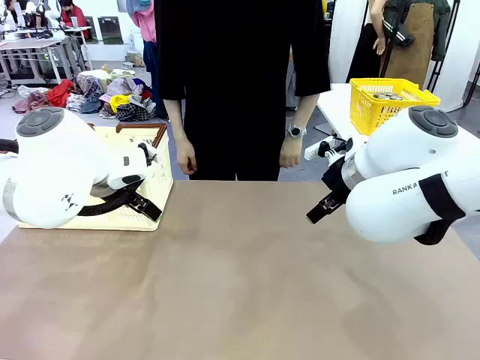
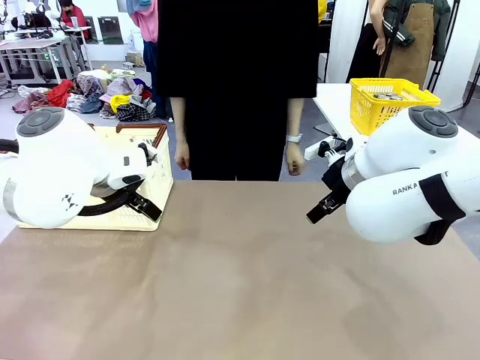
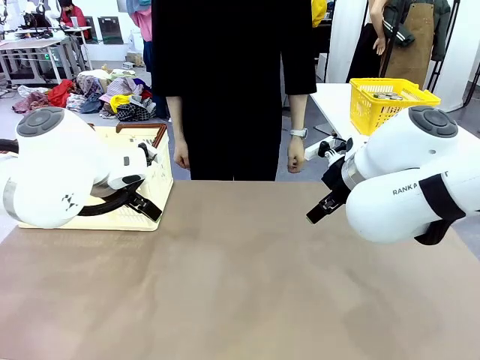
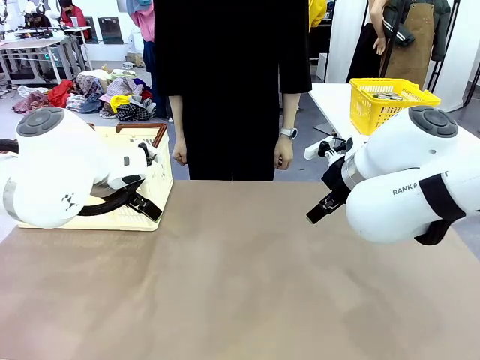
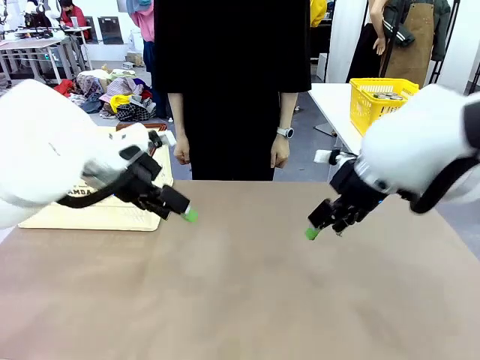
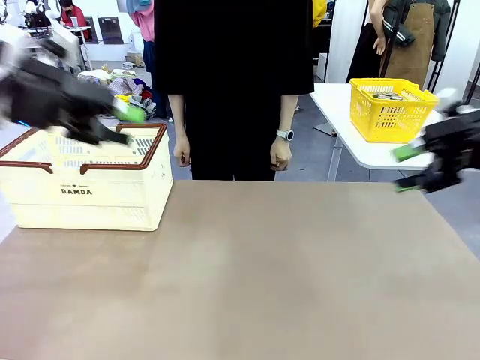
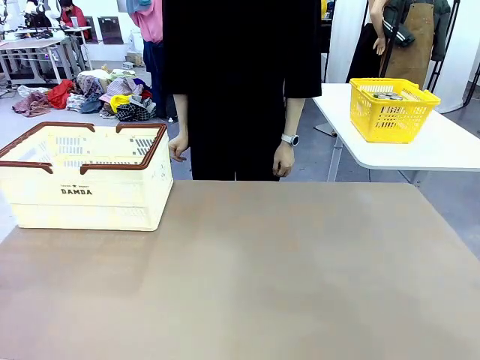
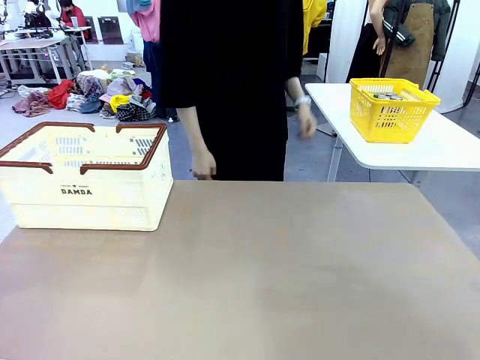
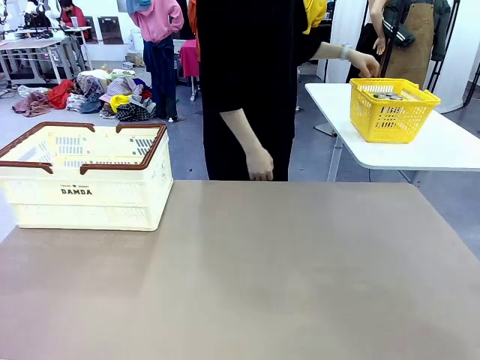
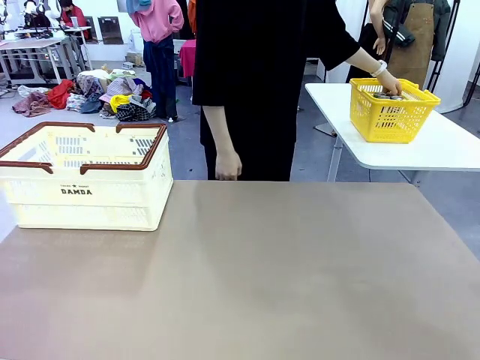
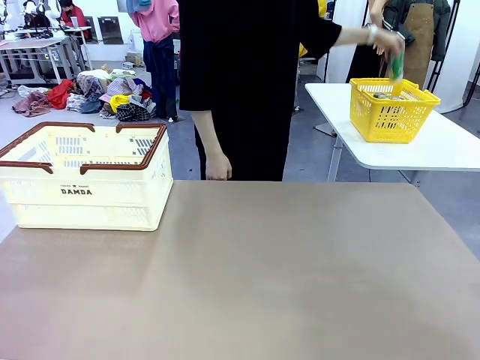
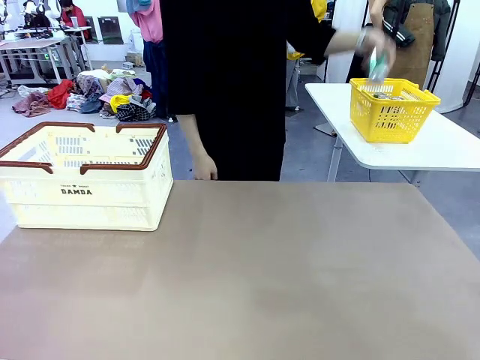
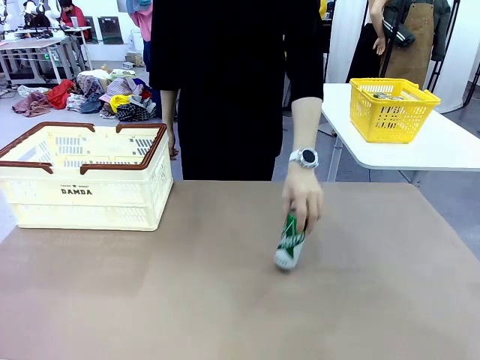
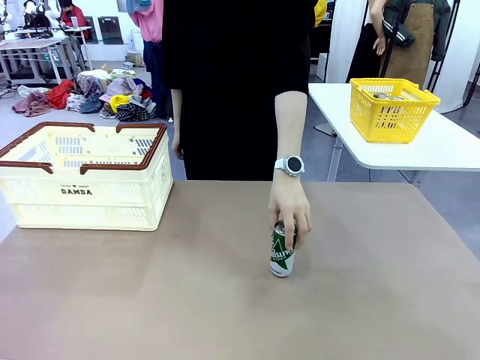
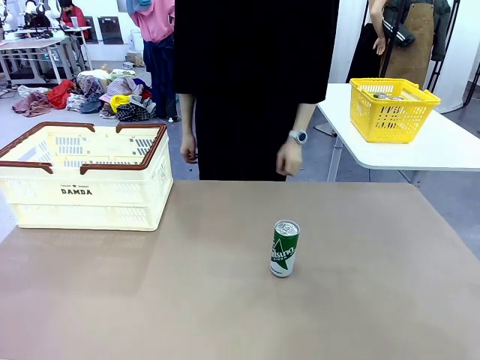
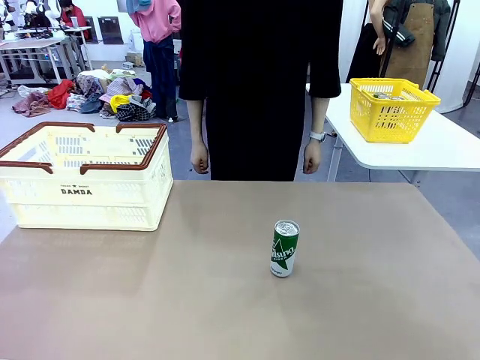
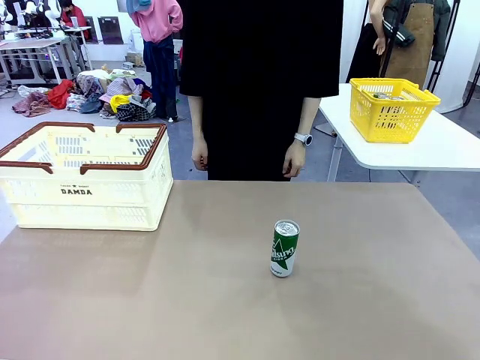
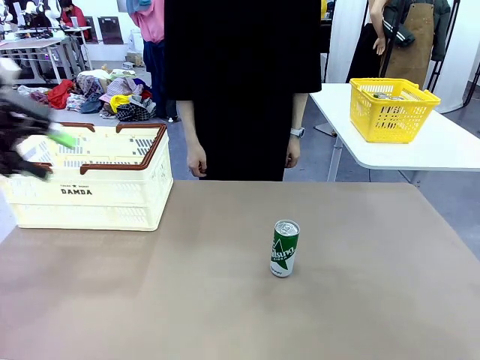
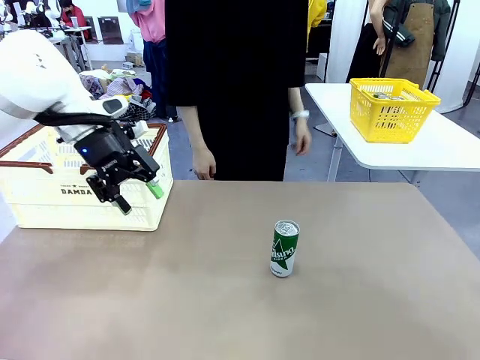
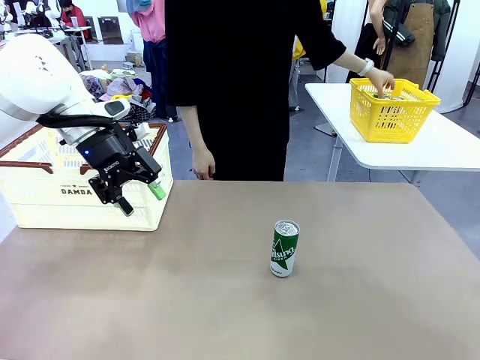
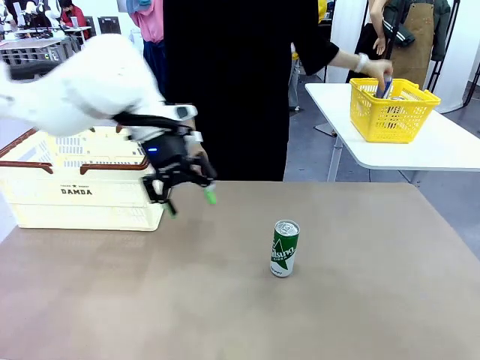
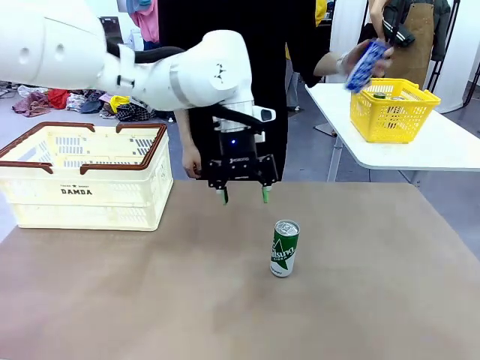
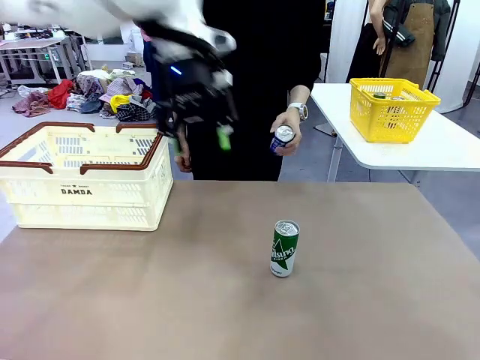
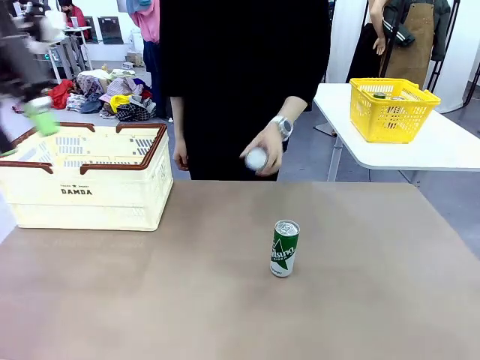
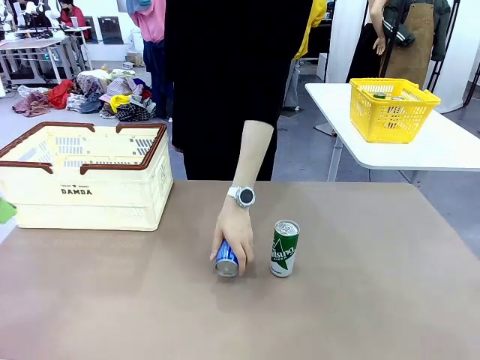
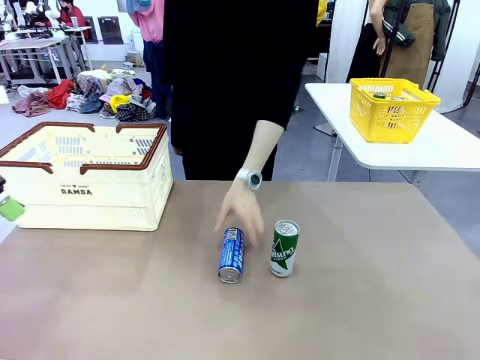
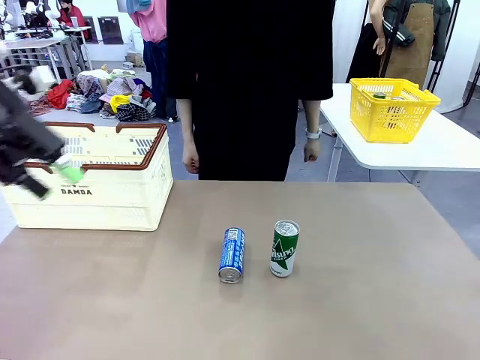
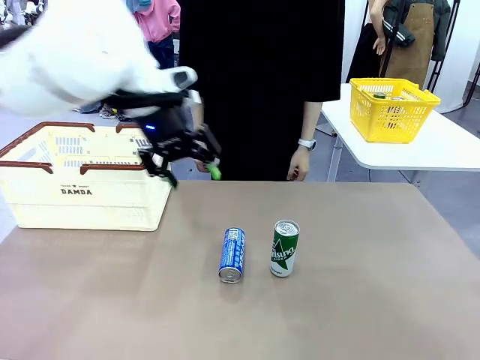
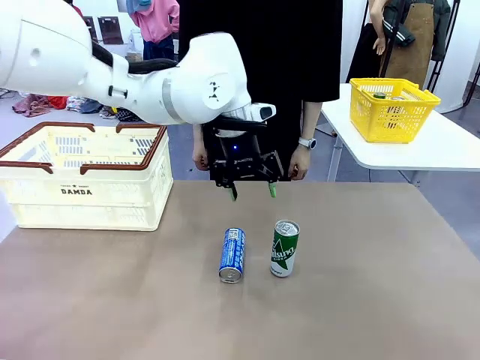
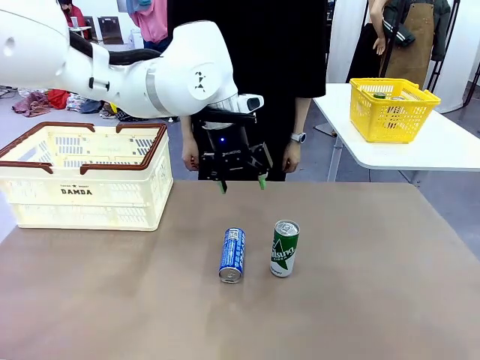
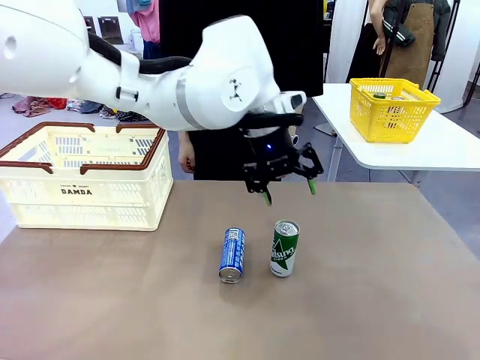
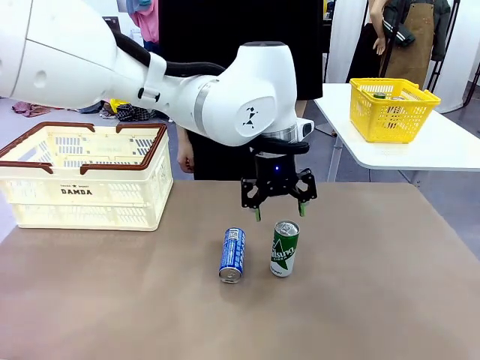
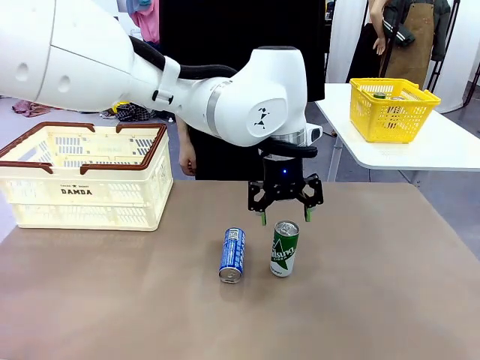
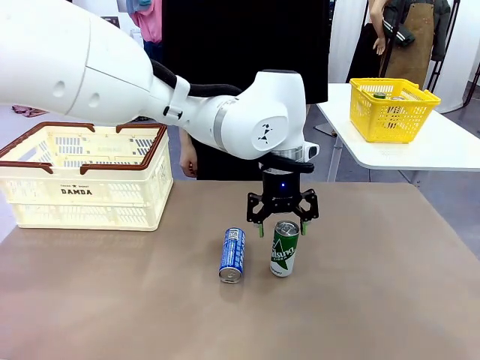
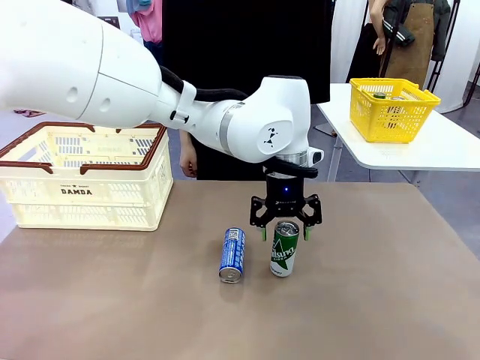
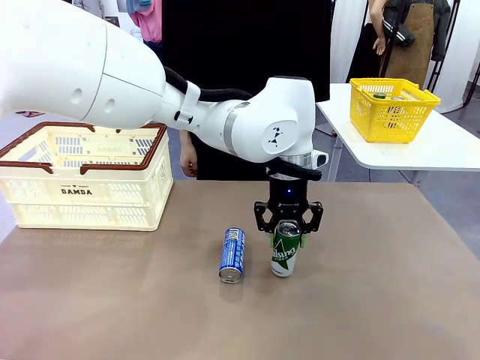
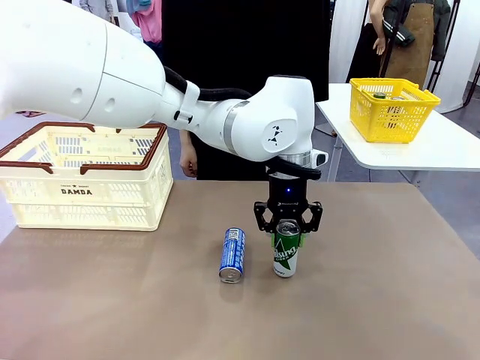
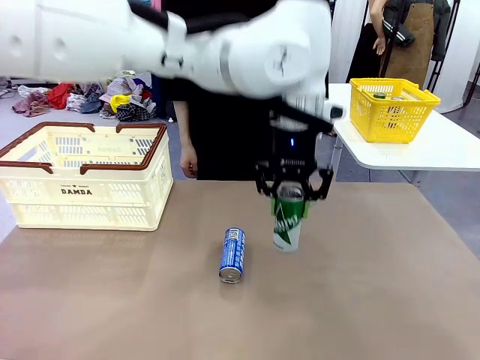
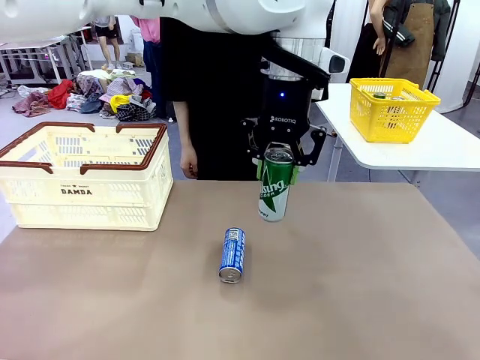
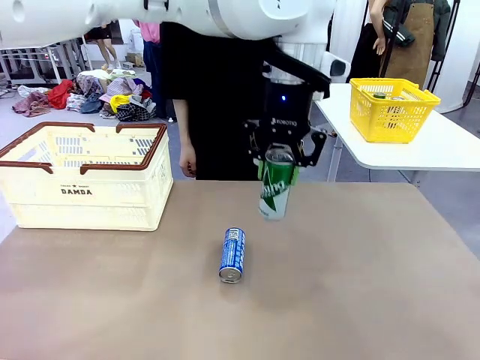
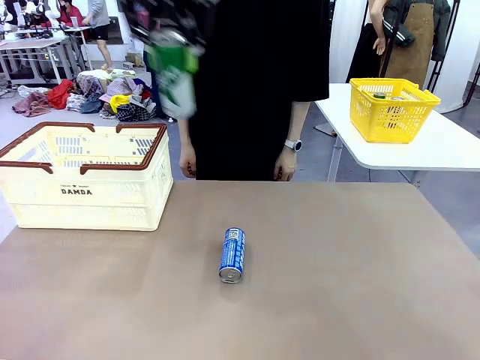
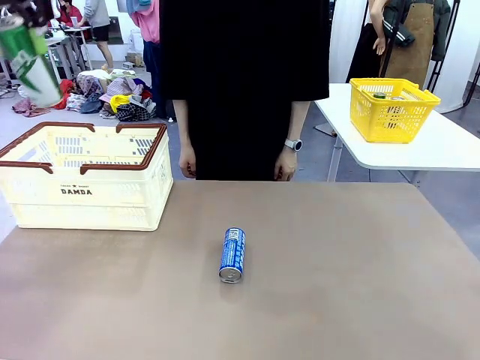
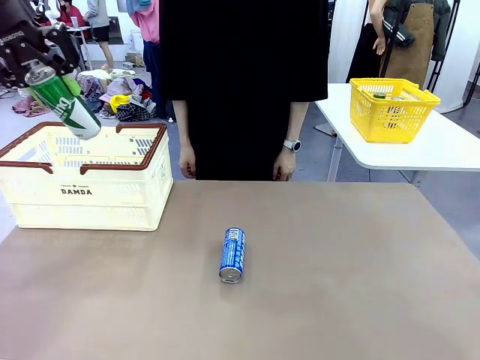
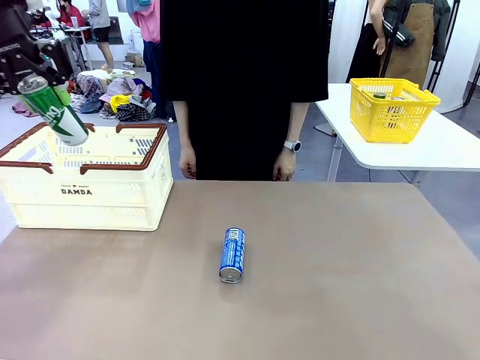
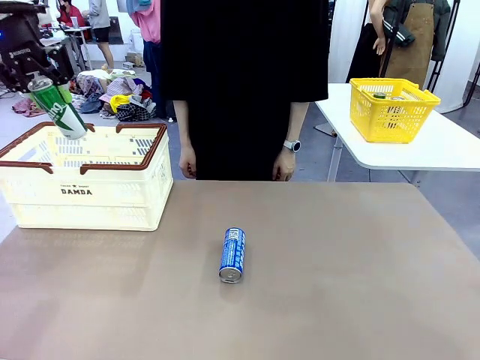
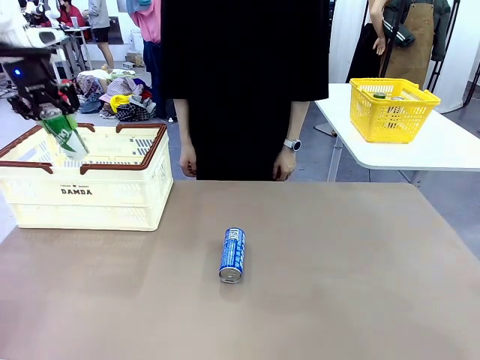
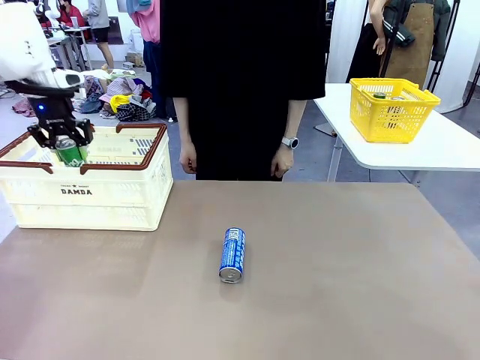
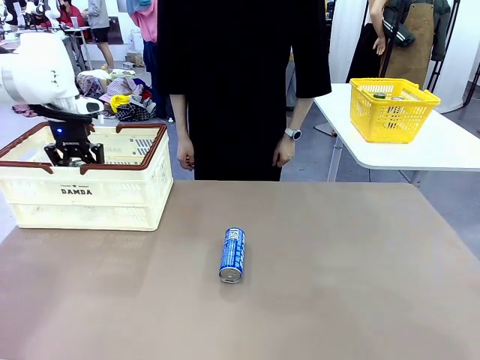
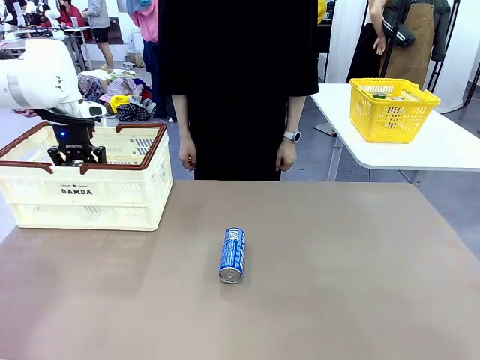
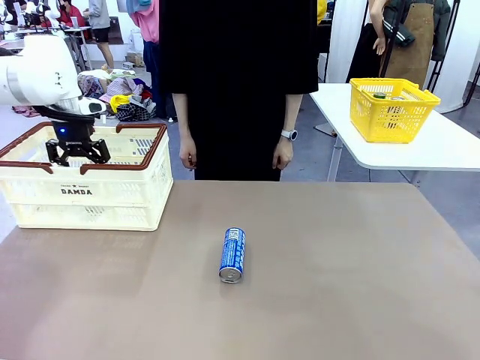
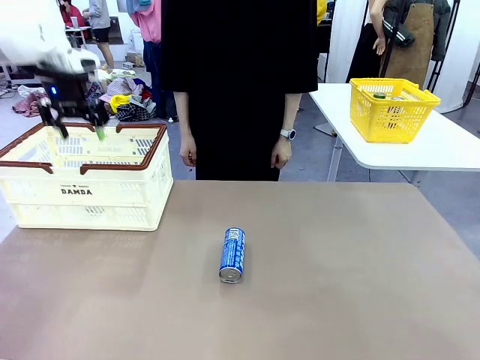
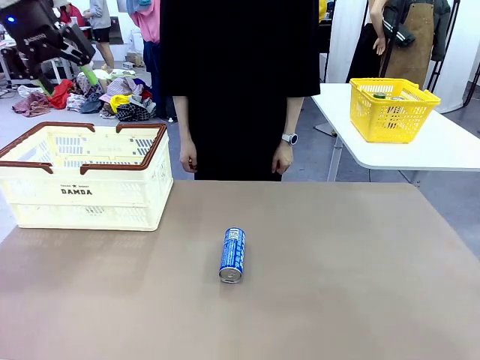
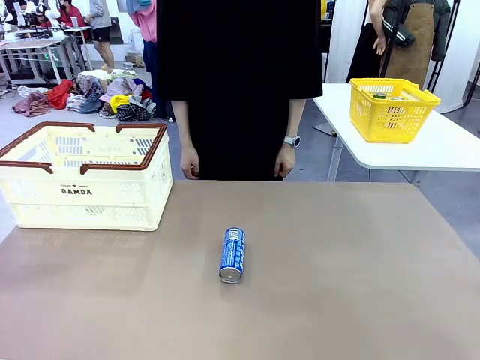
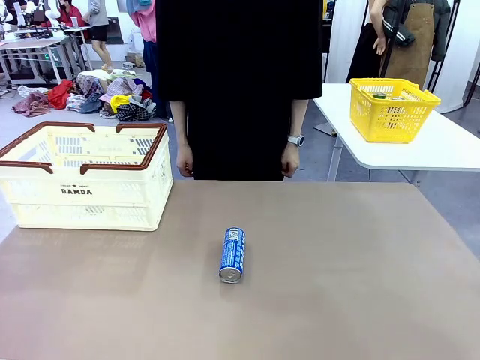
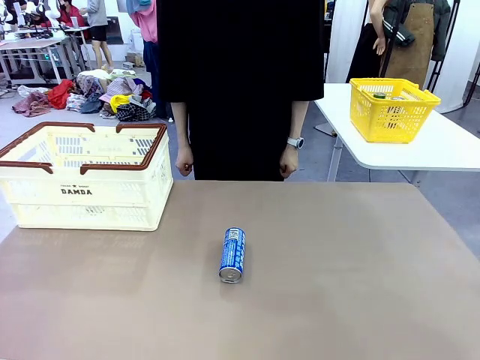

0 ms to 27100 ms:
Task: Place the drinks into the Shopping basket.
Robot: Pick up one drink and place it into the Shopping basket.
